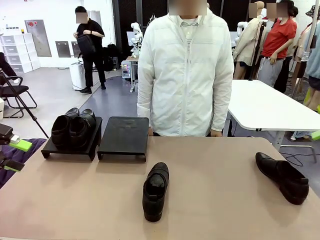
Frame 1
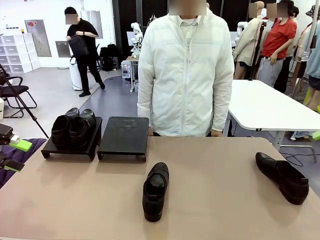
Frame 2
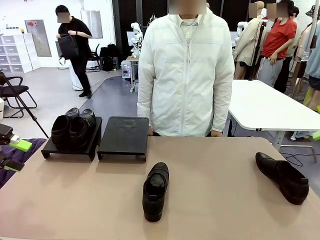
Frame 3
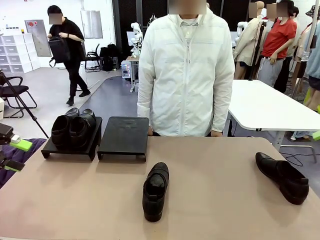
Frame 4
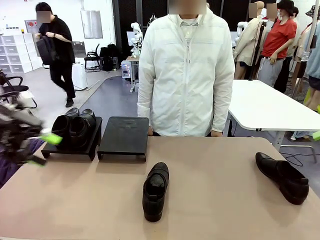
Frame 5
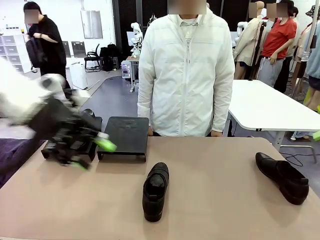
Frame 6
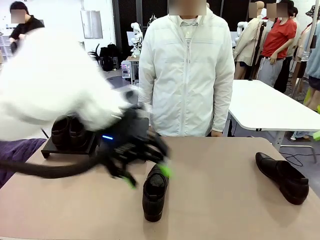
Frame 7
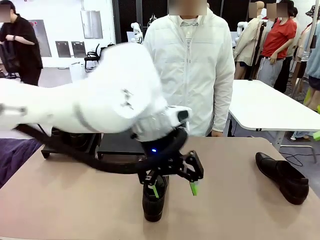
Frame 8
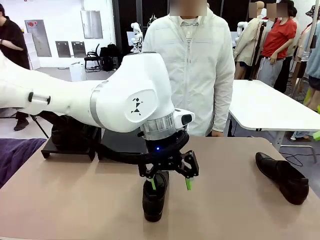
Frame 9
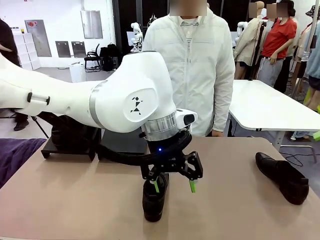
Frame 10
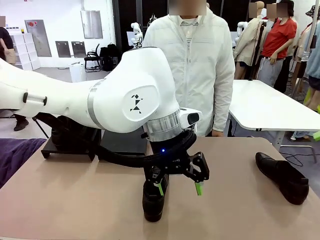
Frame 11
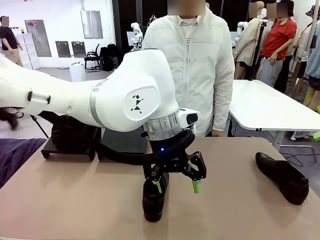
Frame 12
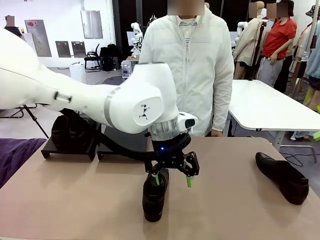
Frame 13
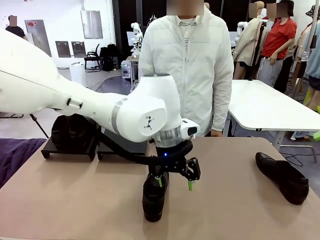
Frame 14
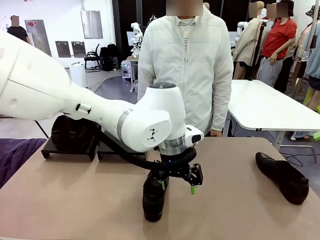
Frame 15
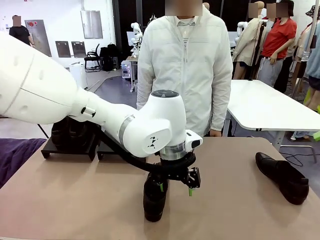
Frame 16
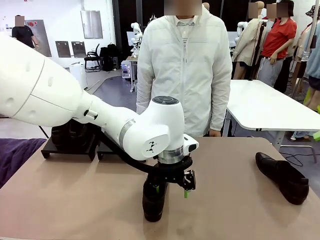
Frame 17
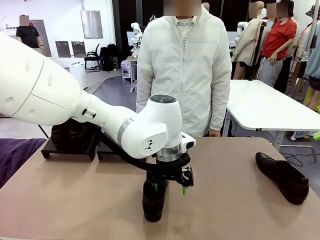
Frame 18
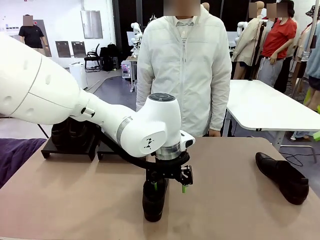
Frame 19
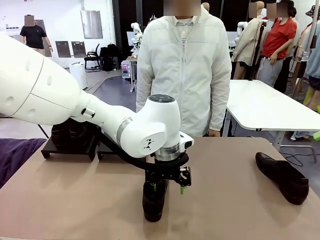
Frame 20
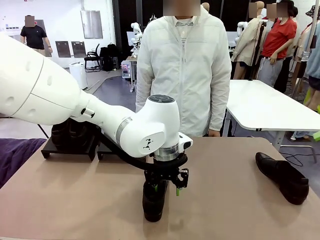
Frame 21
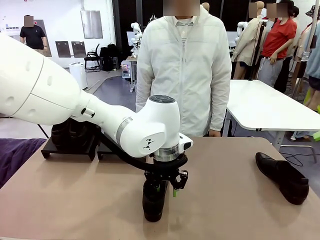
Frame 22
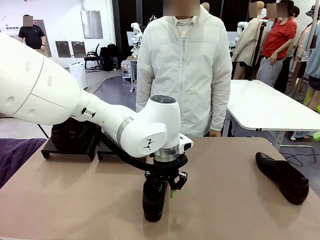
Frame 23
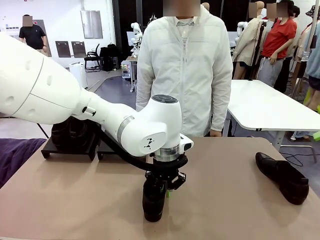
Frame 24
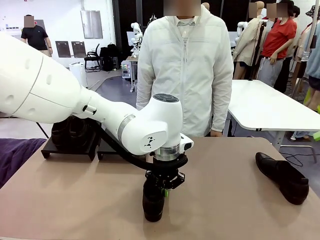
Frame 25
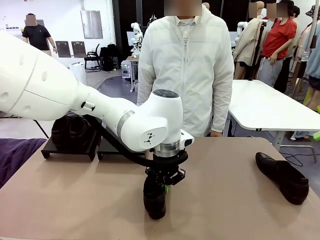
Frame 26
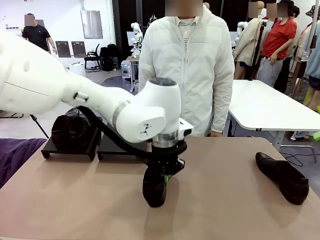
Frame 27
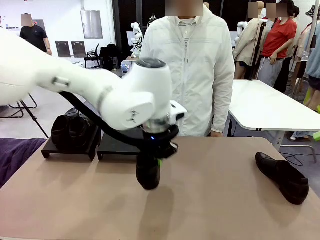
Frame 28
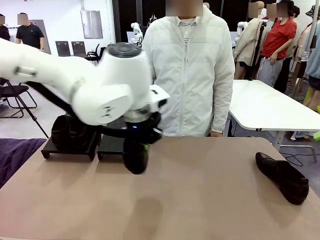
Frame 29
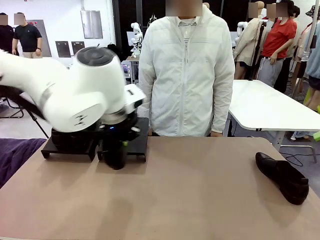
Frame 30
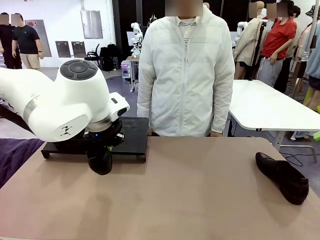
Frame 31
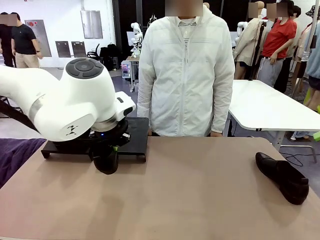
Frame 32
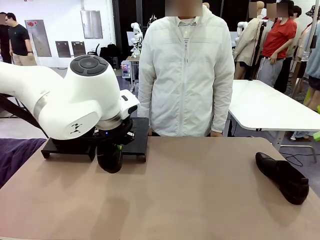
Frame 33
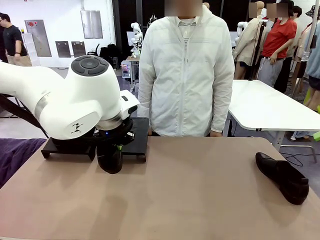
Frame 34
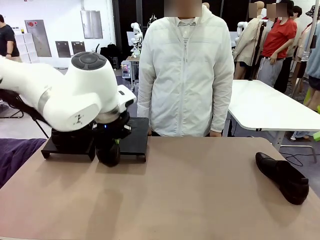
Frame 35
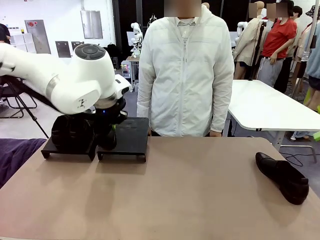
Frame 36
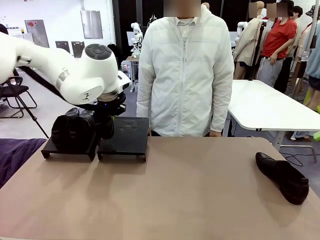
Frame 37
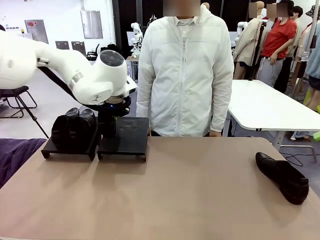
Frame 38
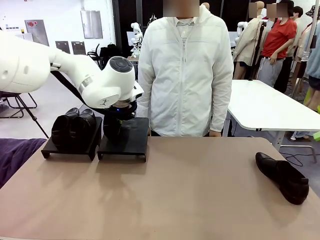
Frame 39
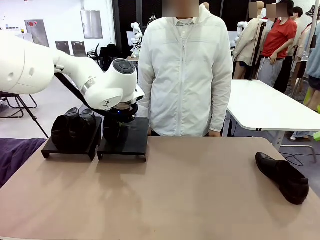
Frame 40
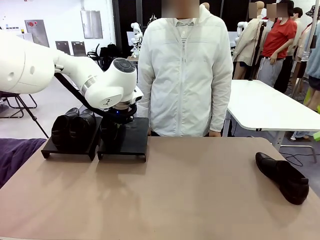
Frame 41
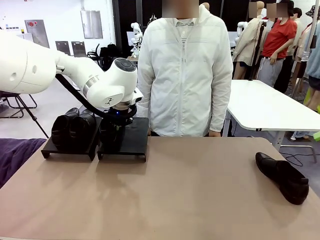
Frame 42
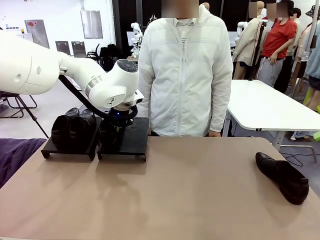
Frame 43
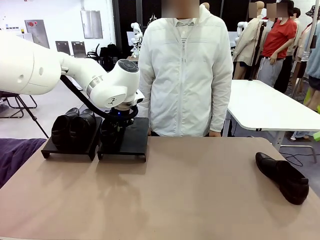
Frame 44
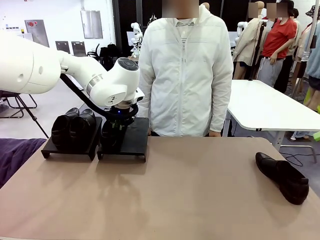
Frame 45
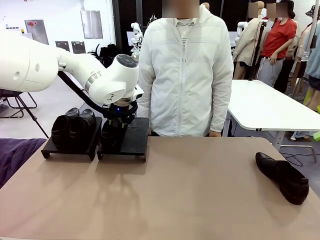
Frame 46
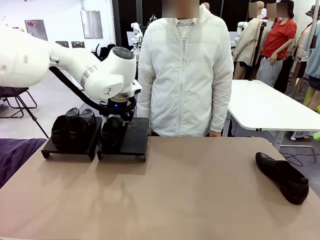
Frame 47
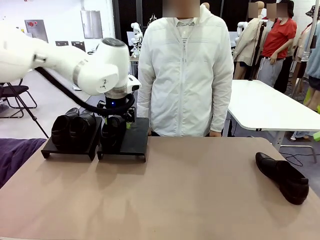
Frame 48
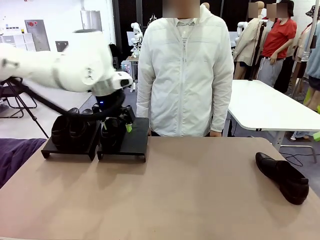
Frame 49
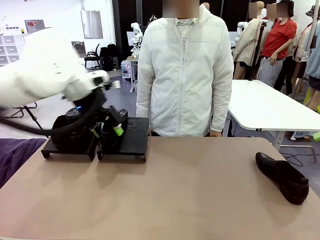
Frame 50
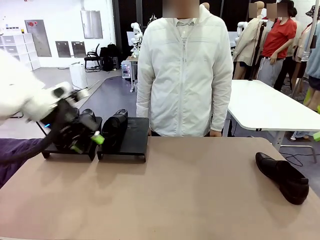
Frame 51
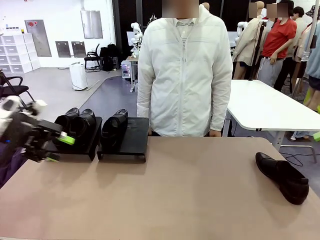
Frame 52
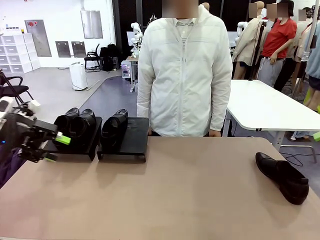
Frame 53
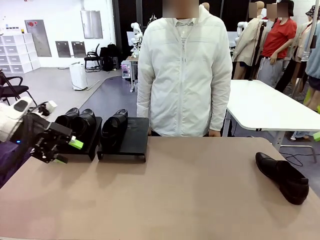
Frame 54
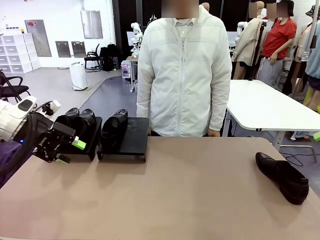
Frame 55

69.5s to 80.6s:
Task: Organize the shoes by placing them on the stand.
Robot: Place the Shoe from the middle of the table onto the Shoes Stand.

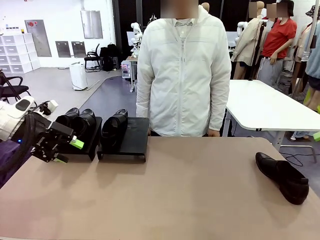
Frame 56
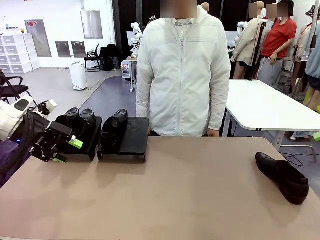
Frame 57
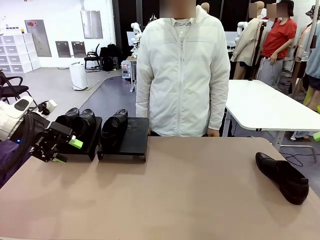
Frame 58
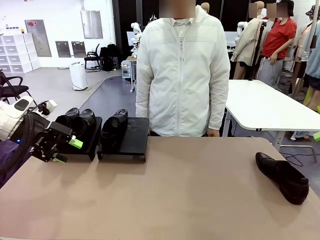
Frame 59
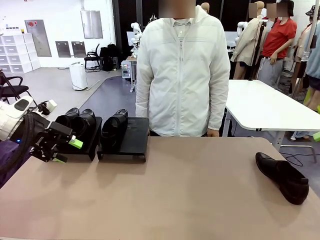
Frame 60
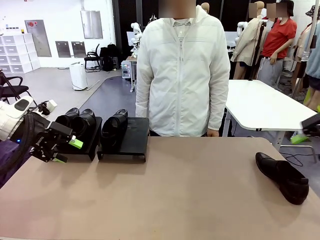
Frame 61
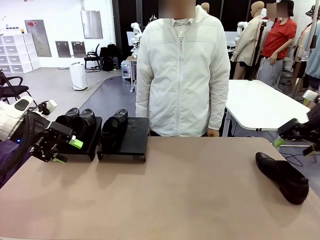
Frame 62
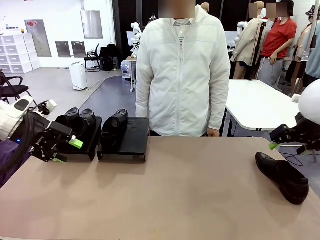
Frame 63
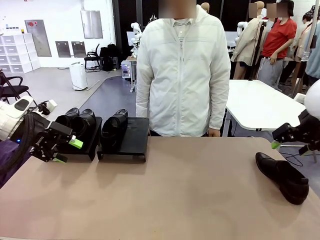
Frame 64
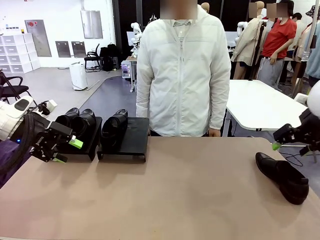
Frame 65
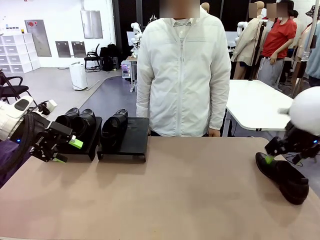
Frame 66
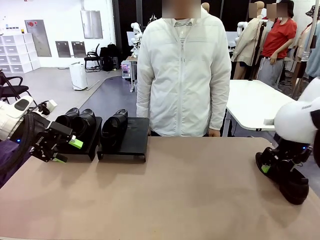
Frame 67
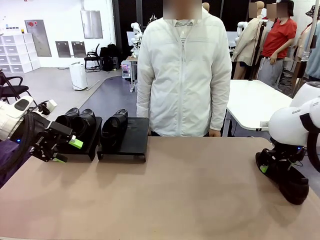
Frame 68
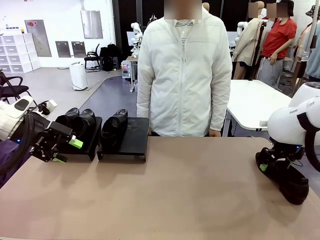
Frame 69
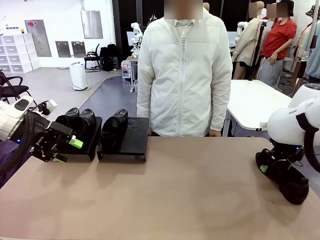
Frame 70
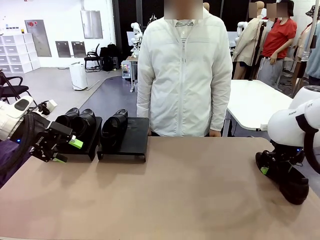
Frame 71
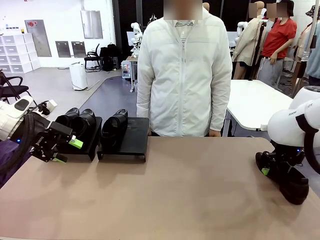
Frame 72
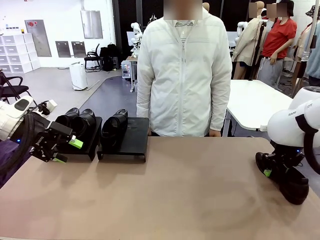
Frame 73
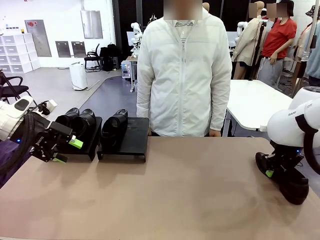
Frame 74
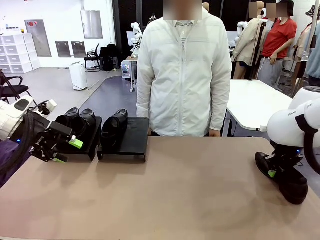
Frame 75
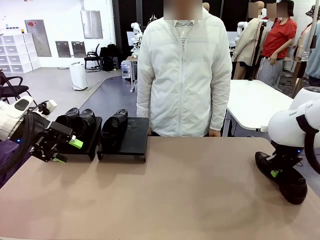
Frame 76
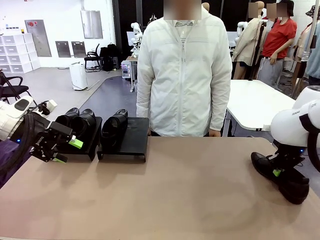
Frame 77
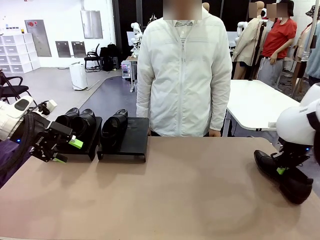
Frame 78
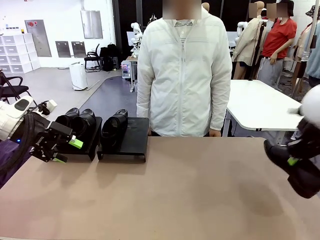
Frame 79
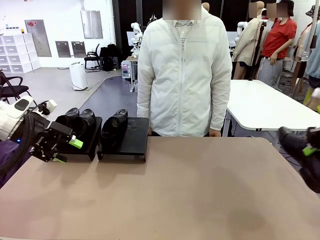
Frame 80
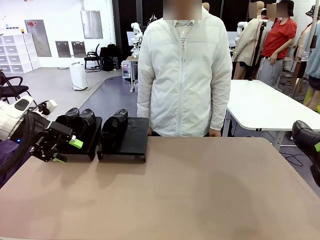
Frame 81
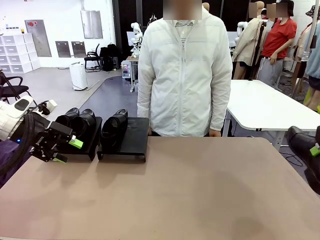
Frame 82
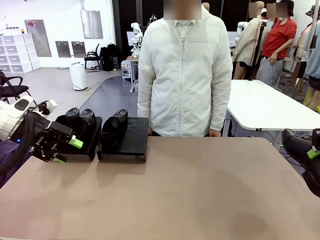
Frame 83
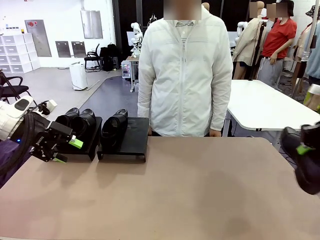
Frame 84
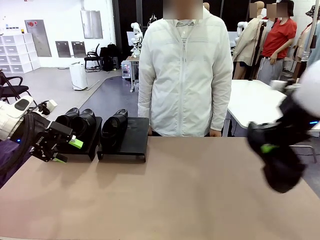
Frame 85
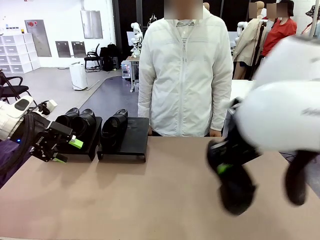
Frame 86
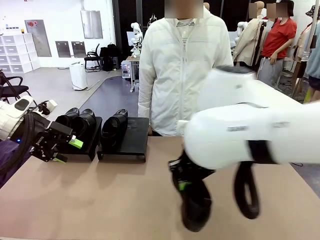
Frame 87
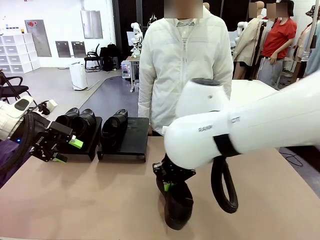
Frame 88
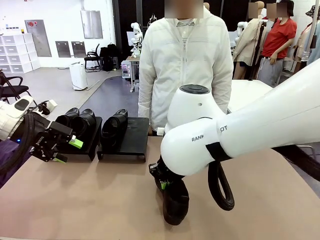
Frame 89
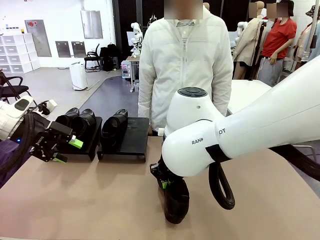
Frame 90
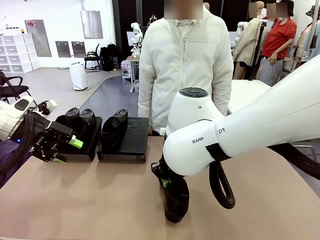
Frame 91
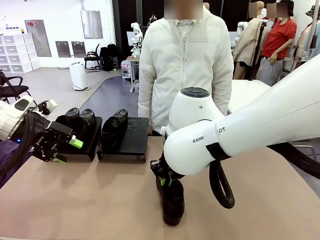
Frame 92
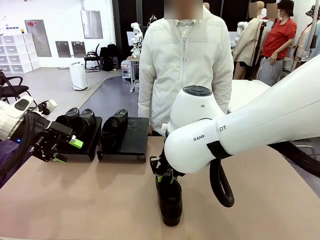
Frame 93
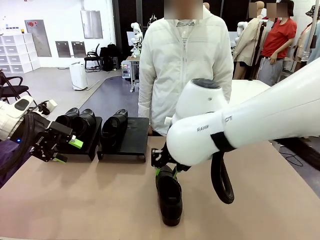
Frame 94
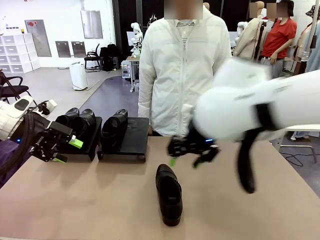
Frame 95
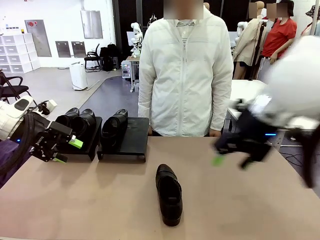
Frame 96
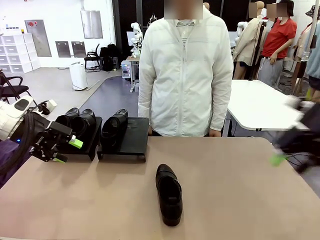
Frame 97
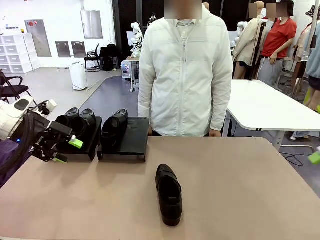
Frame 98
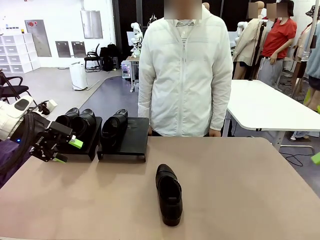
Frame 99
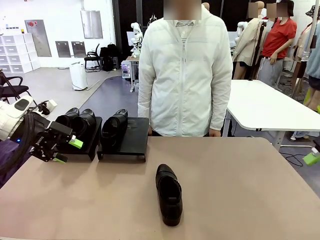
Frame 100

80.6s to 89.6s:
Robot: Pick up one Shoe and place it in the middle of the table.
